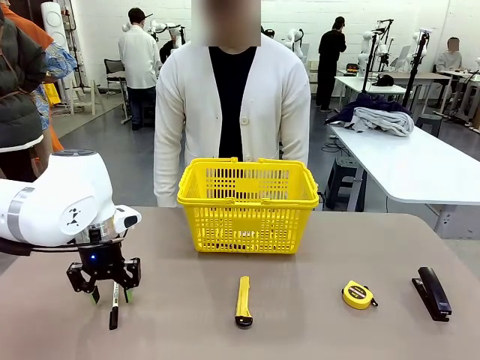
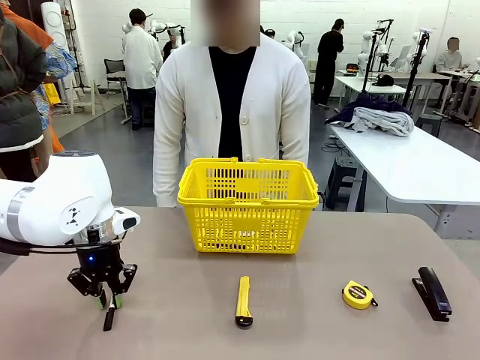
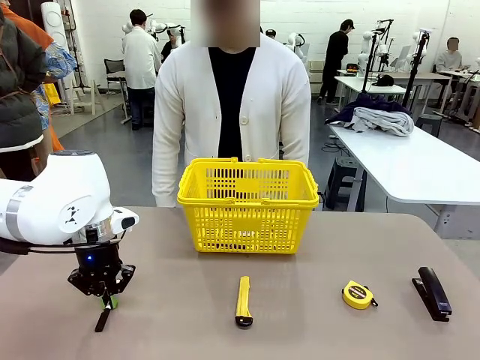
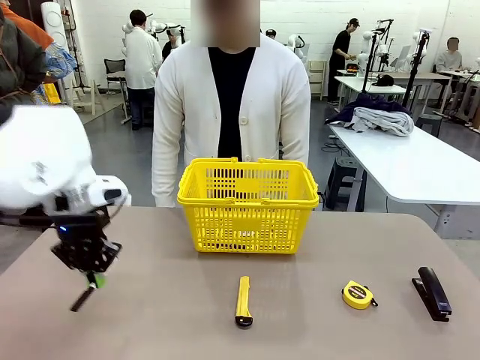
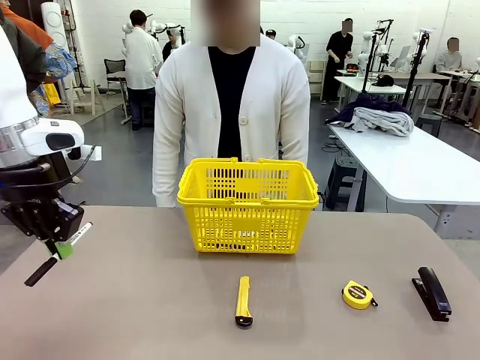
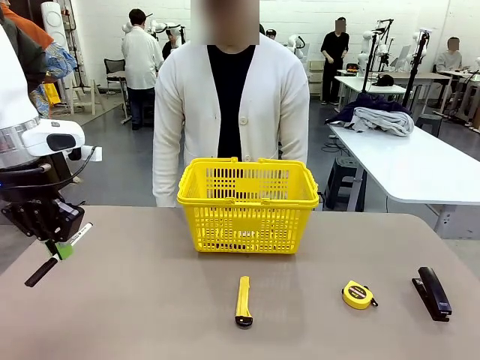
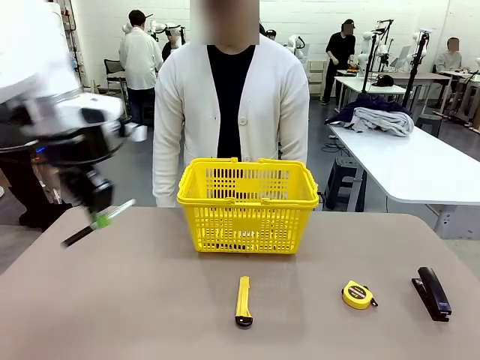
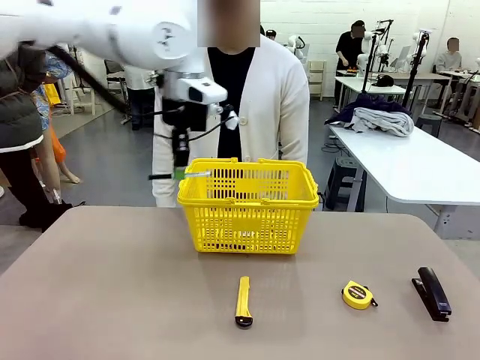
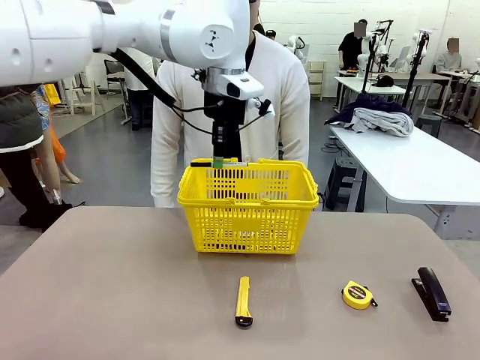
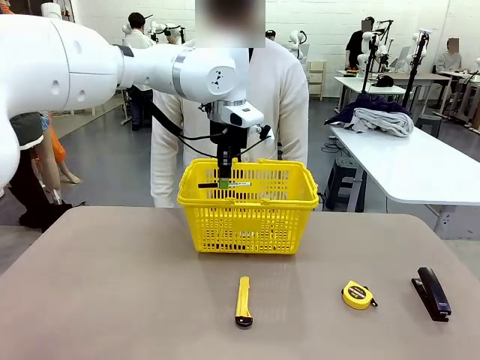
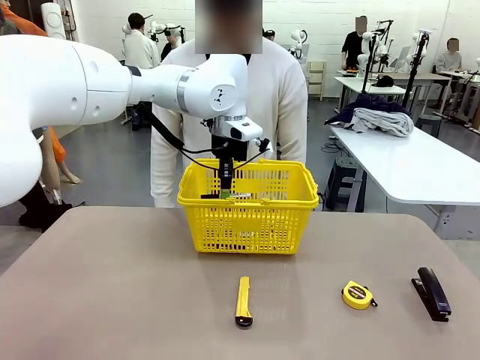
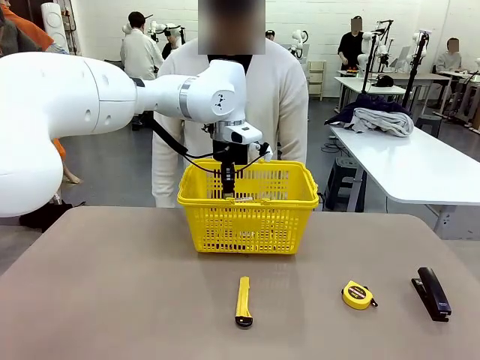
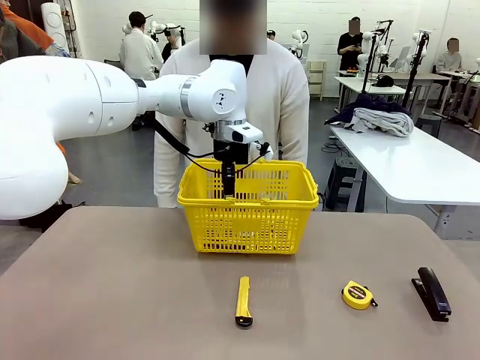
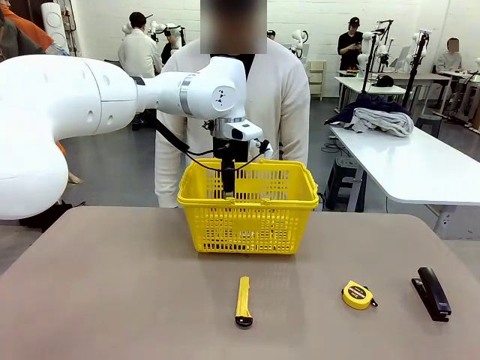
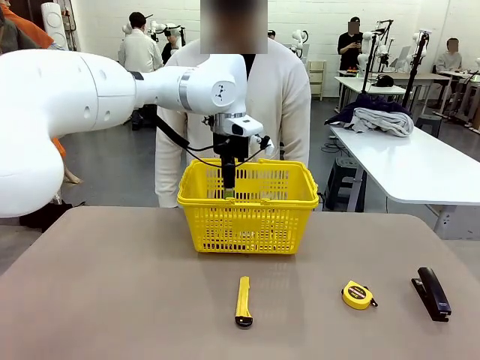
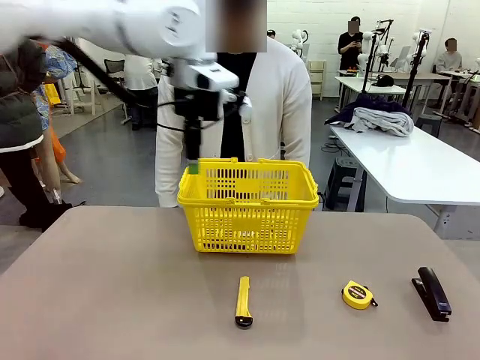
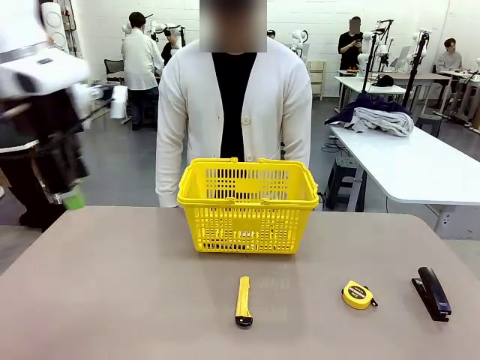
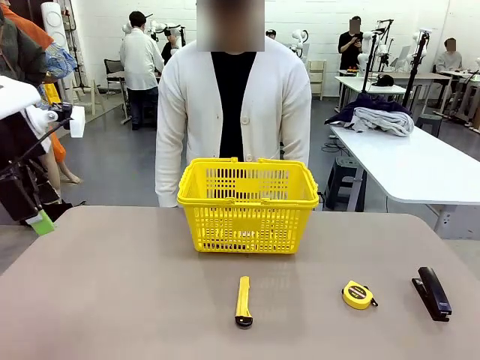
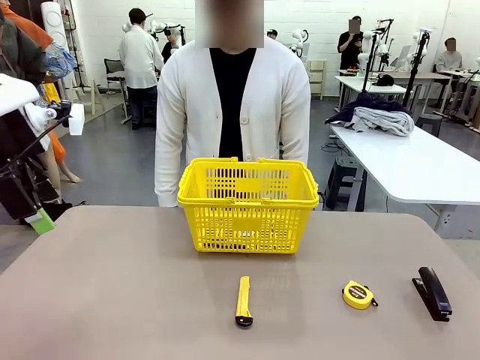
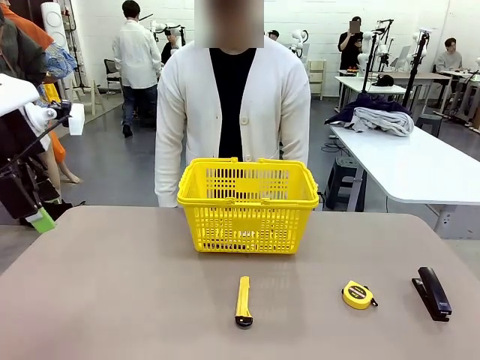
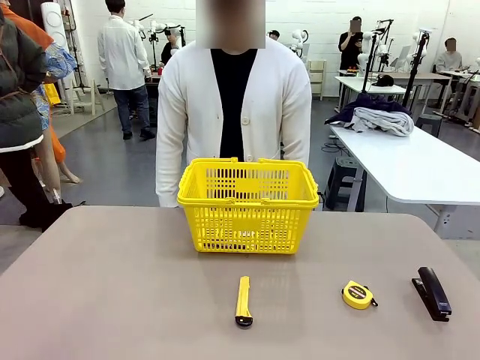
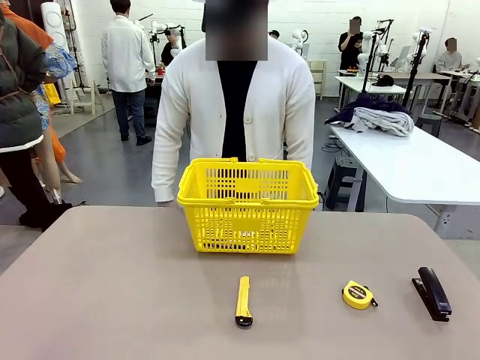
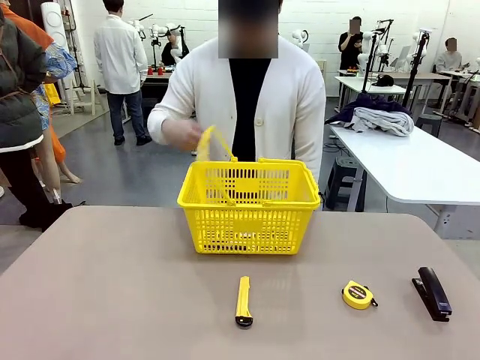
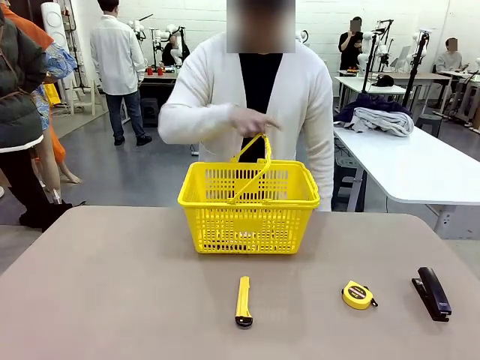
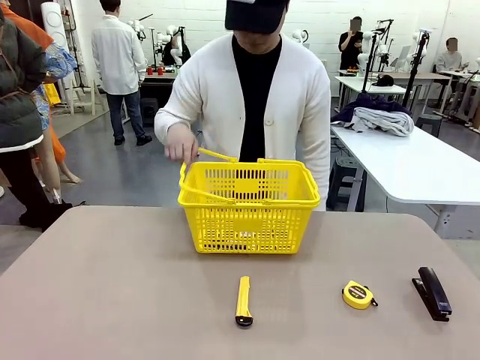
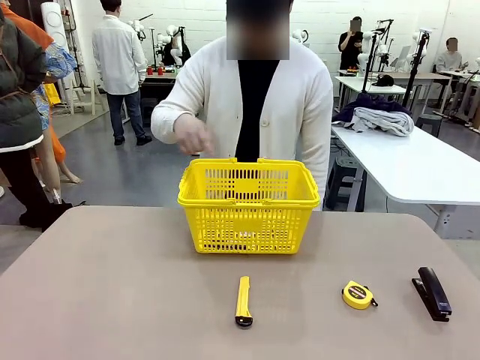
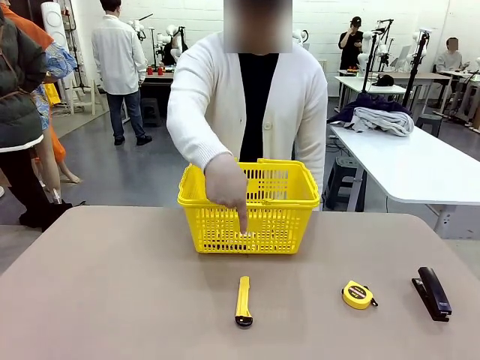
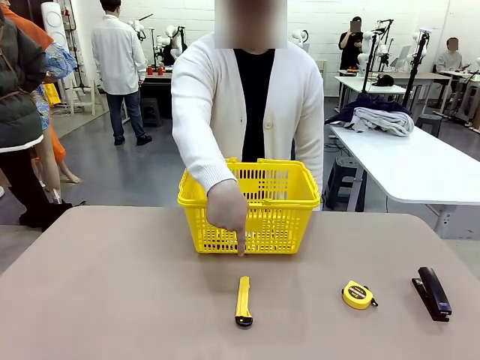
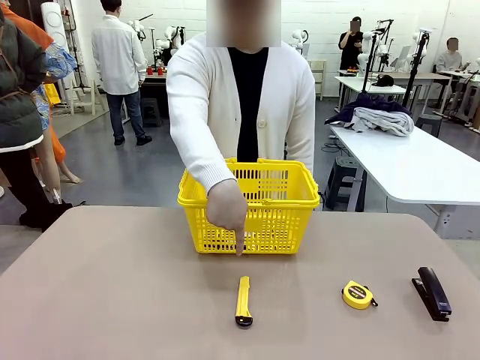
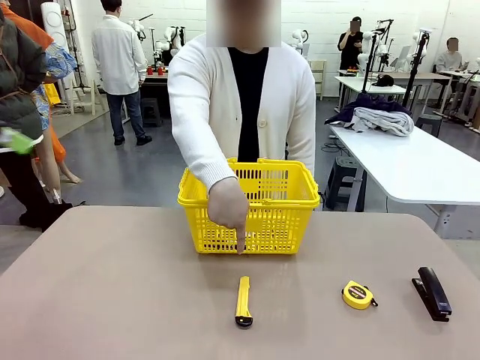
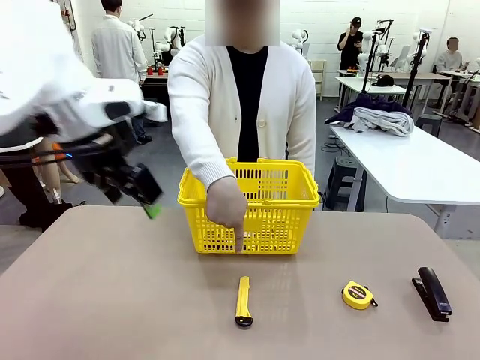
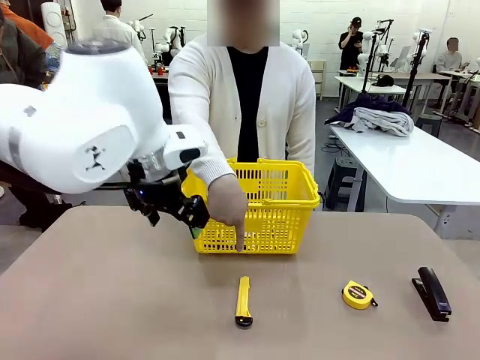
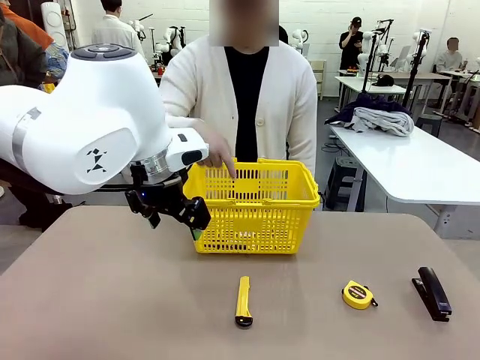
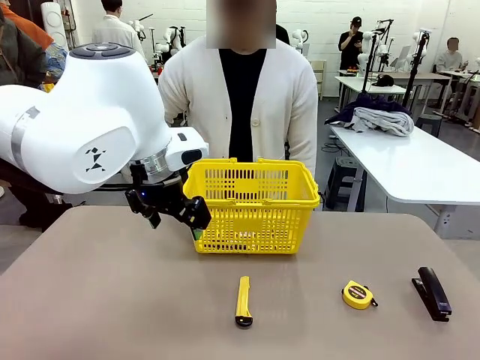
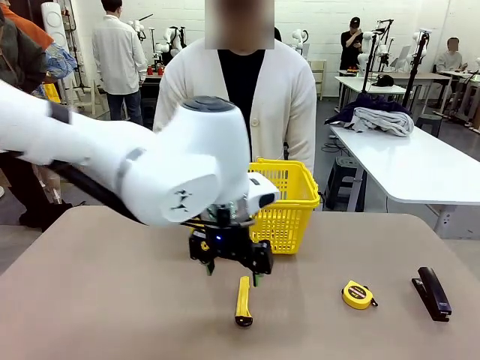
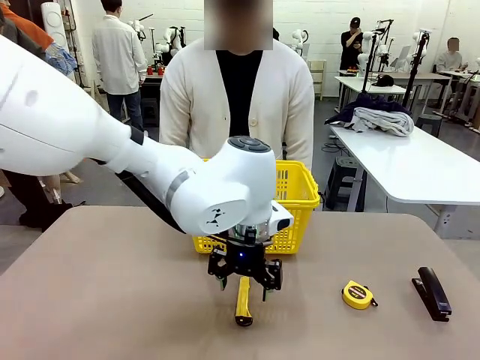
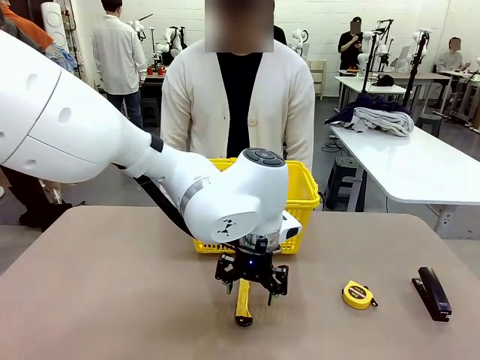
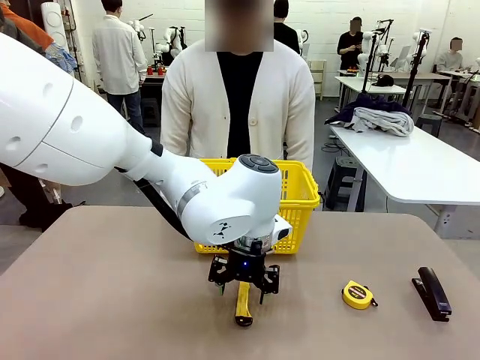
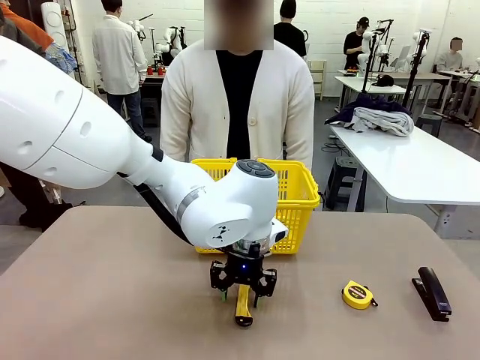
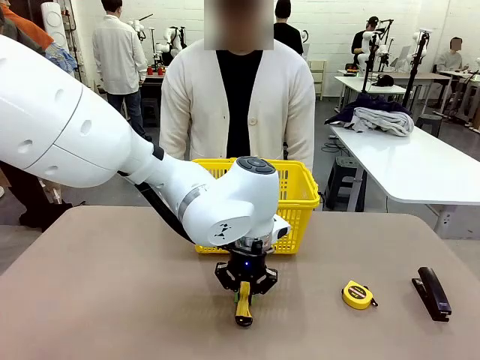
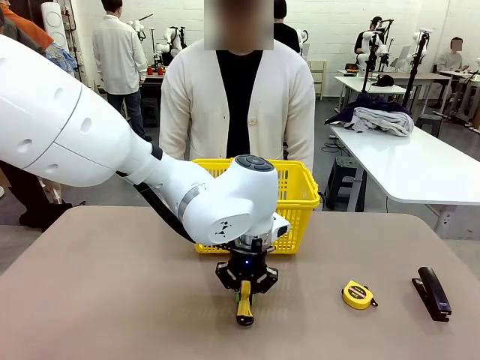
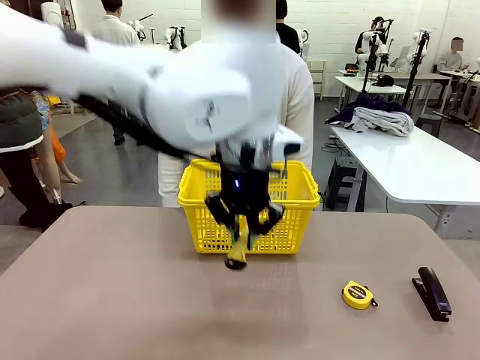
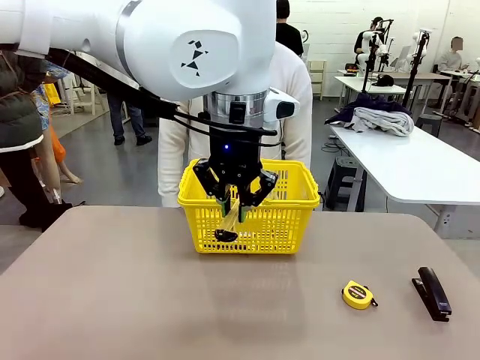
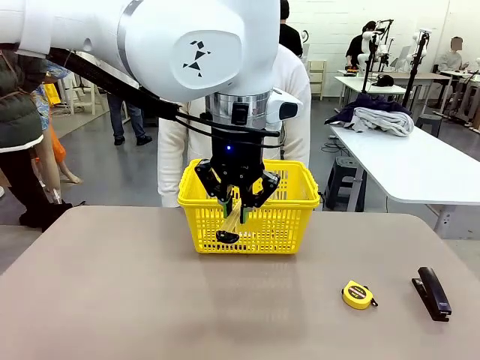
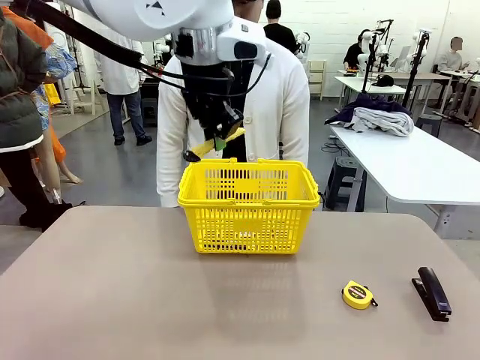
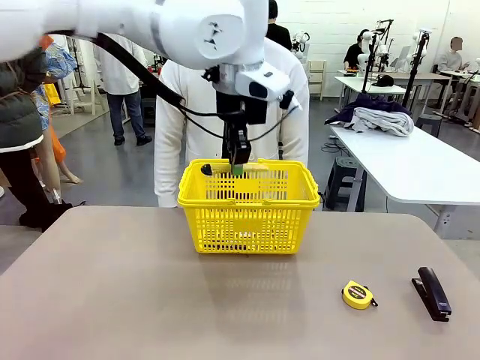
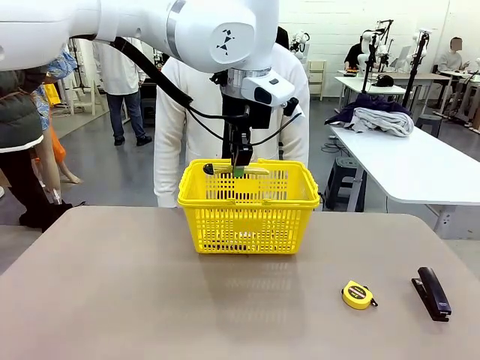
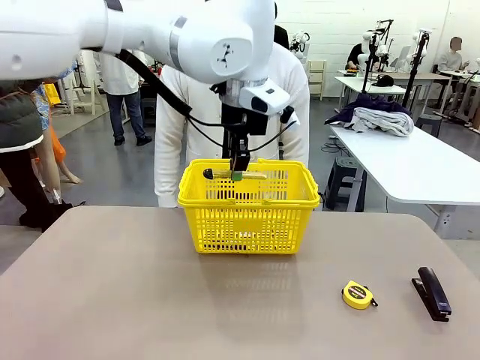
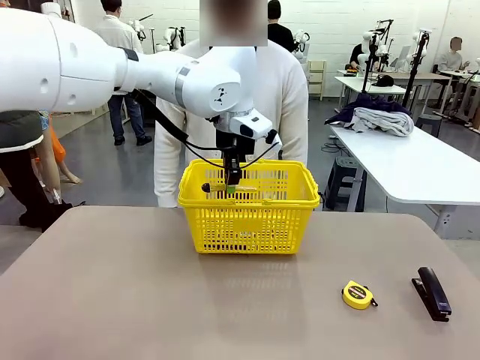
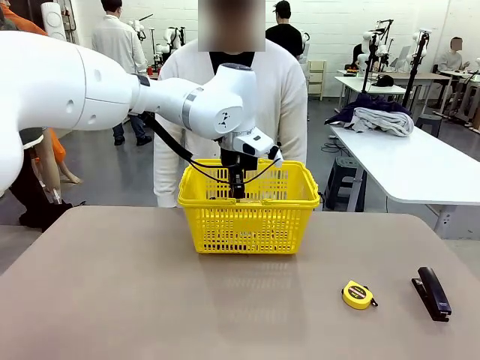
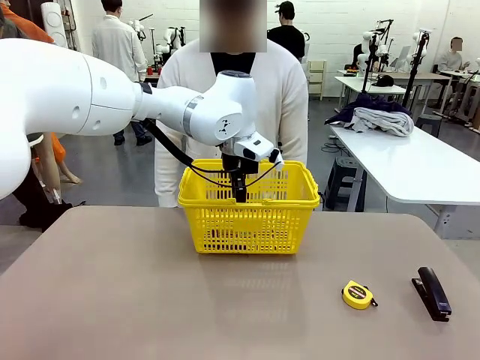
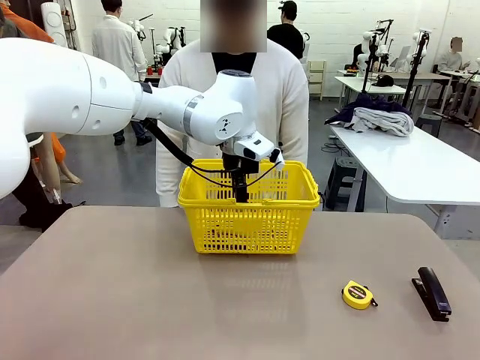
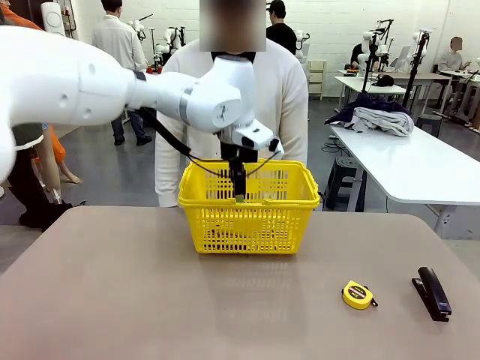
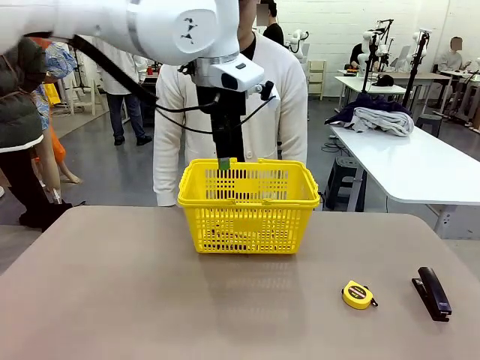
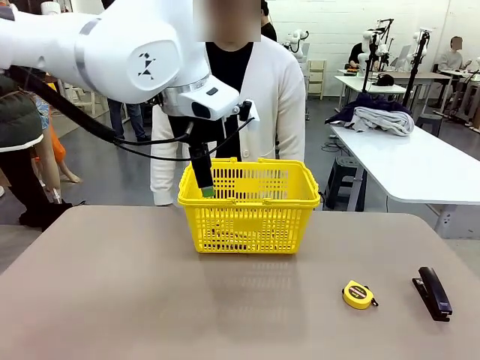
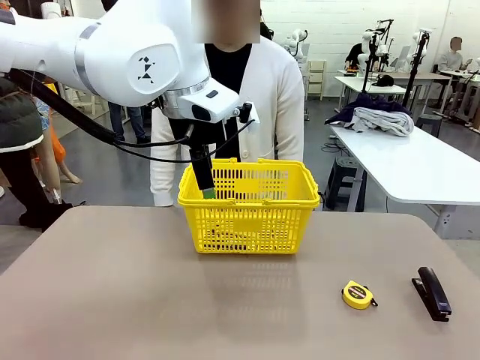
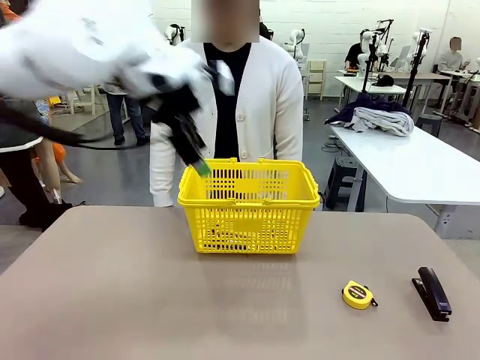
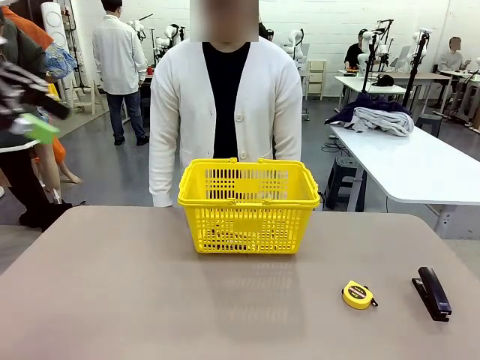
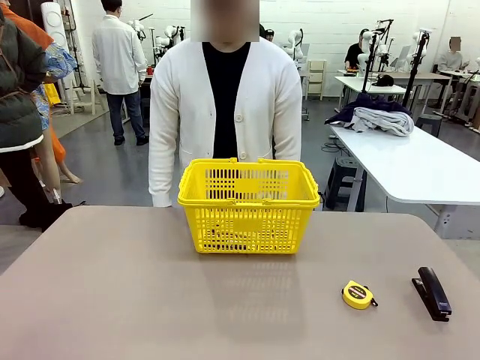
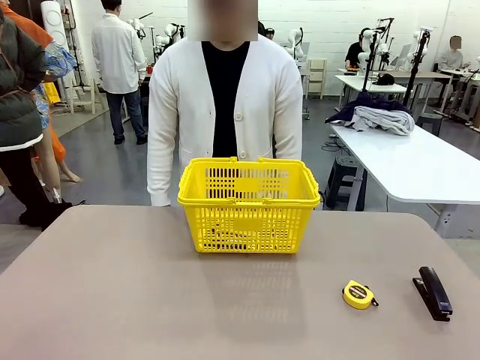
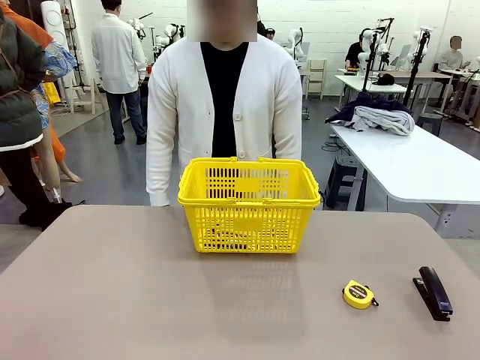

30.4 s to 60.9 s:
Task: Place the items the person wants into the basket.
Robot: Pick up the item the person points to and place it in the Market Basket.
Person: Point to one object on the table (excluding the basket).
